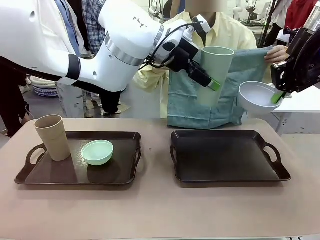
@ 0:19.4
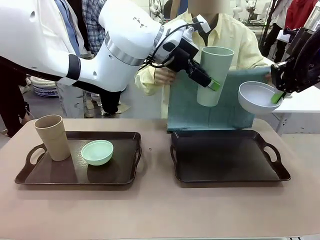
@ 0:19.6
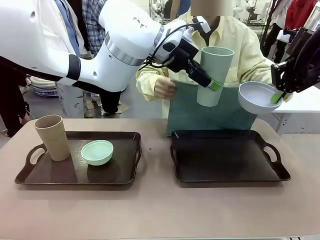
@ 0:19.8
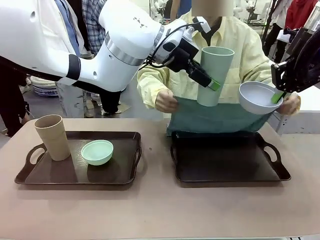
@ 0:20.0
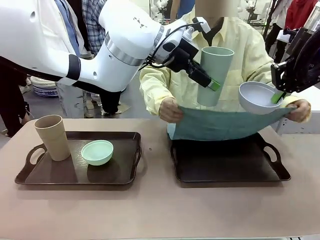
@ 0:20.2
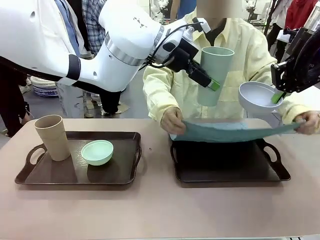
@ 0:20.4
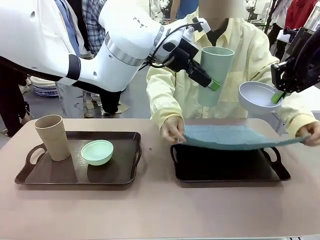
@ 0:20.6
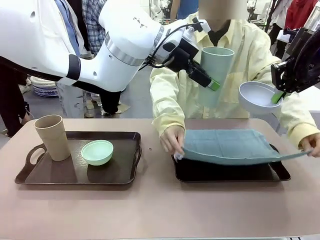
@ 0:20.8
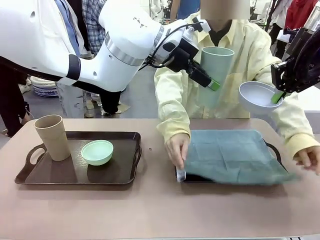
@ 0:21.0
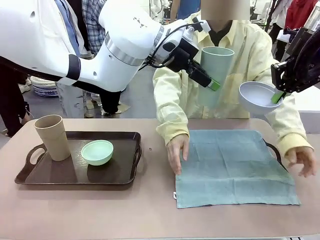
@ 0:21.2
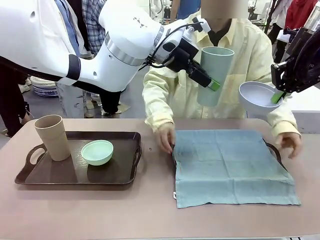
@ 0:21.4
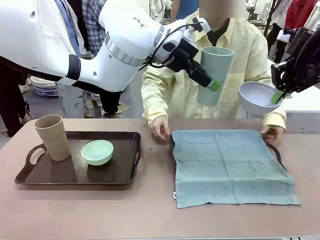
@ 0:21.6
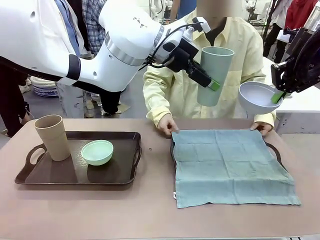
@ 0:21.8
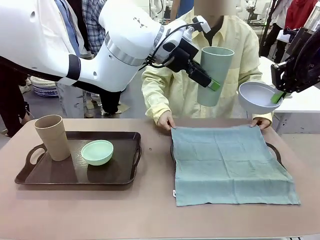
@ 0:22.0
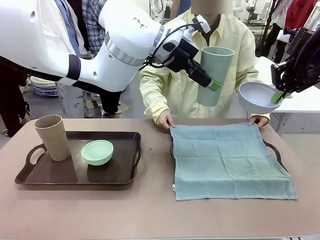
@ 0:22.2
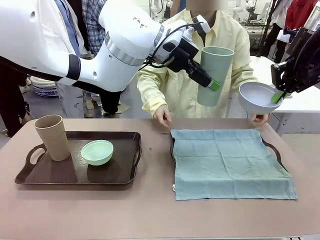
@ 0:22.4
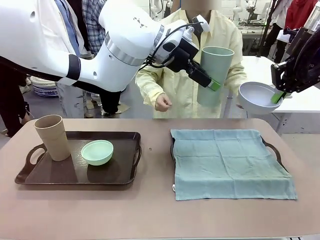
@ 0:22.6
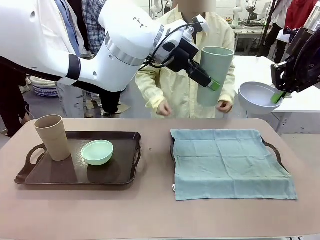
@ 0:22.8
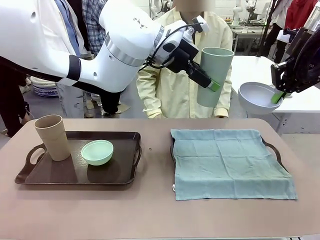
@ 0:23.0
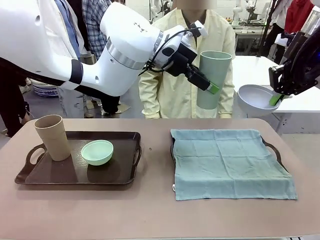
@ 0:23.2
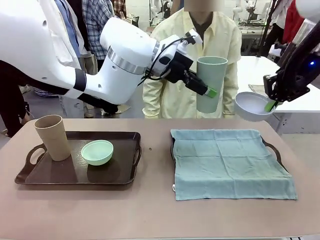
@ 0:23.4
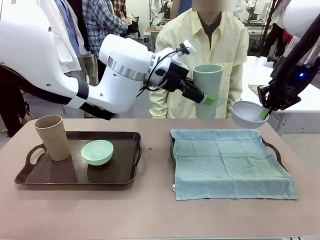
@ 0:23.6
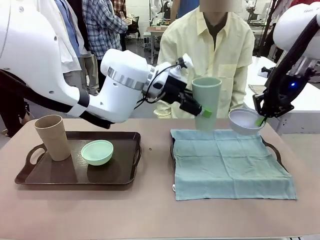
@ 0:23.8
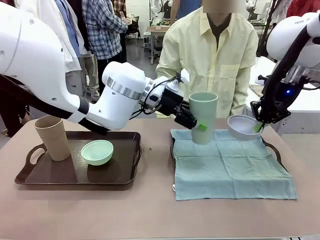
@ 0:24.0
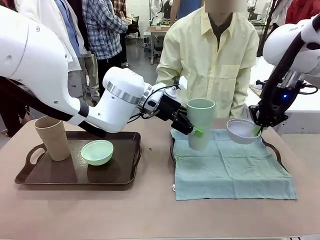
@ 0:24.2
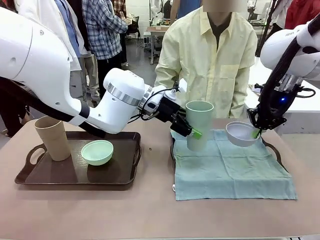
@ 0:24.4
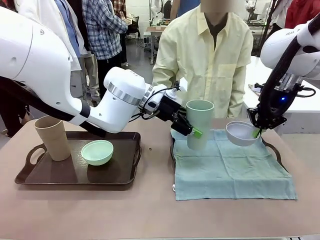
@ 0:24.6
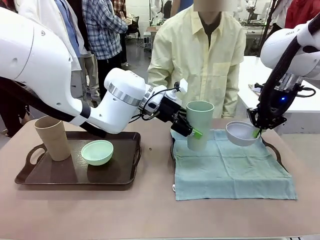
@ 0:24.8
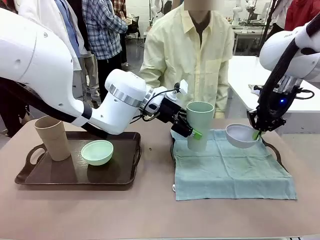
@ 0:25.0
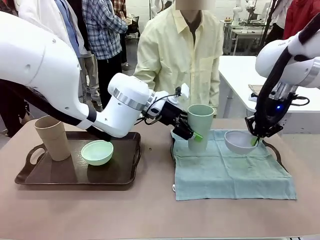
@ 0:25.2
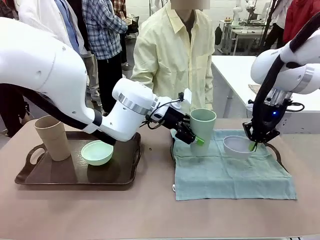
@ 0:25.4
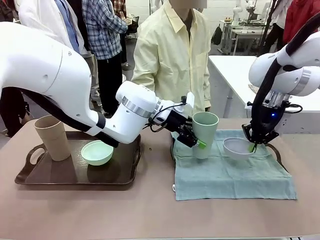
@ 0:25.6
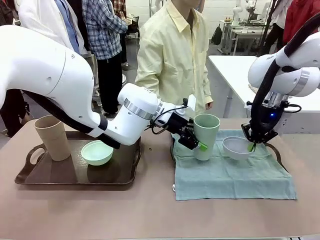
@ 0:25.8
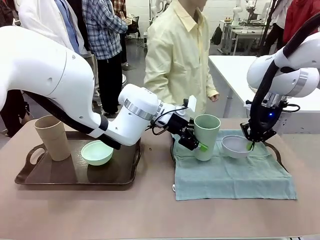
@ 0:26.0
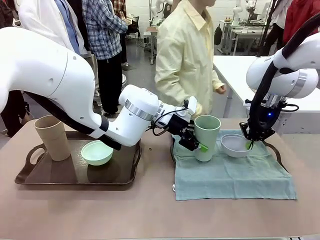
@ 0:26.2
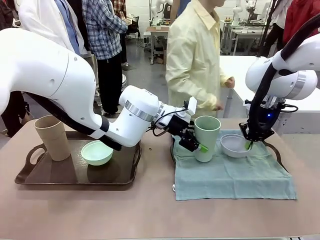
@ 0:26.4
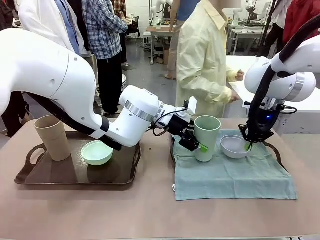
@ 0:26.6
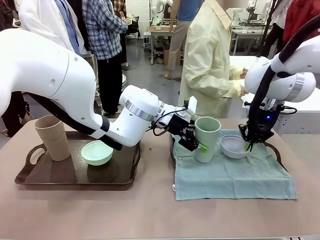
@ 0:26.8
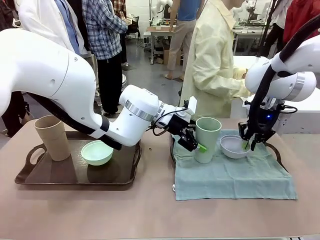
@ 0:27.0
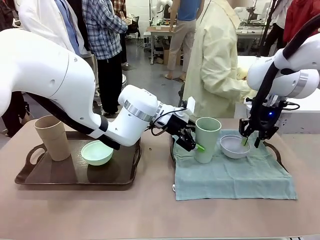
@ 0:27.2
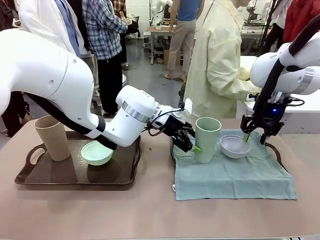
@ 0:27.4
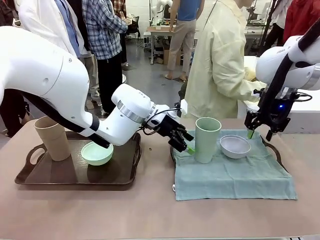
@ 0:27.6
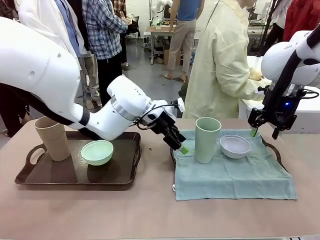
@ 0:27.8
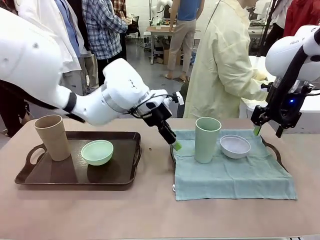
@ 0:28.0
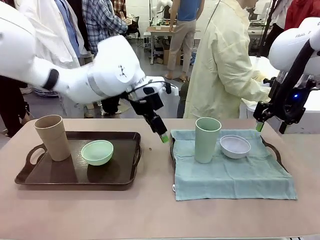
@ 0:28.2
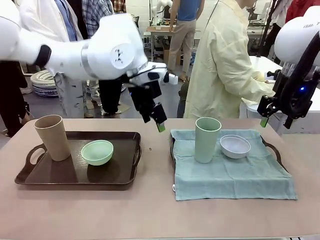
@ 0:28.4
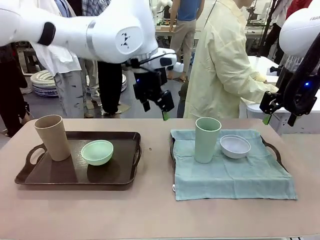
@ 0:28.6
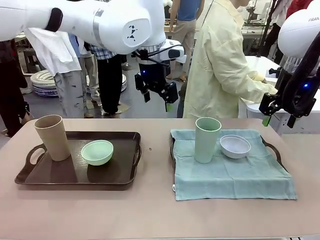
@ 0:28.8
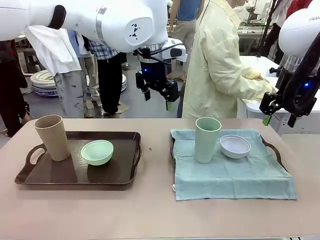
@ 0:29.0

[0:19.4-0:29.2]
Robot: Place the Picnic Bowl and Reusable plastic cup back onto the Handle tray in front of the human's position.
